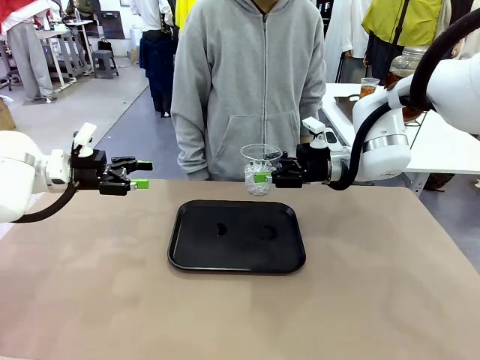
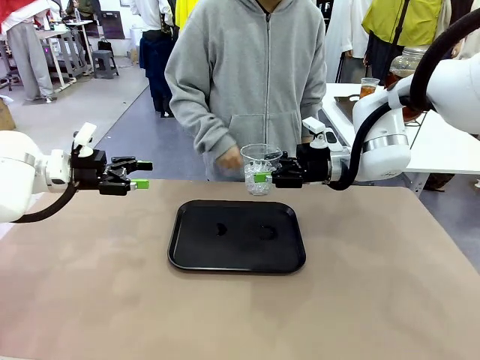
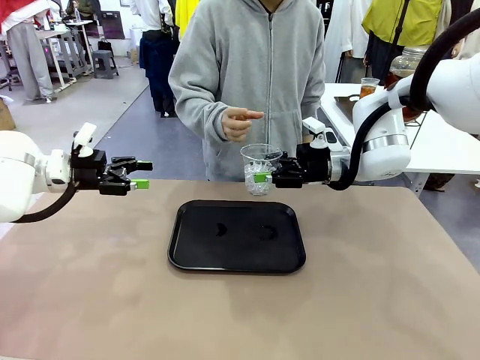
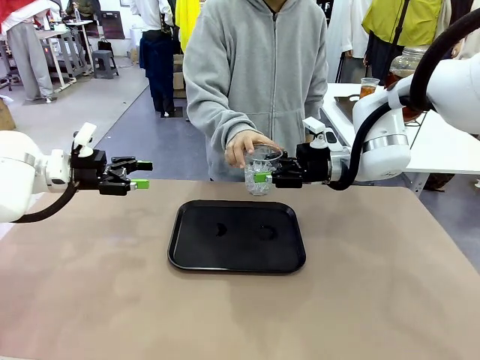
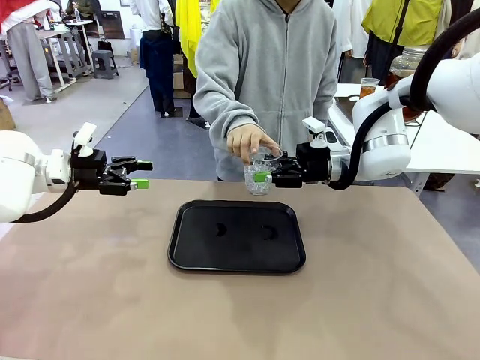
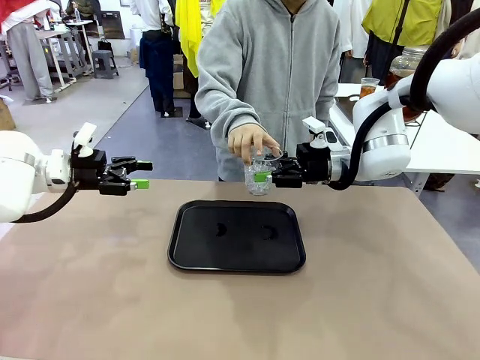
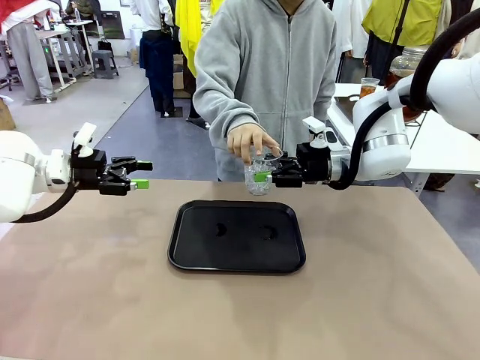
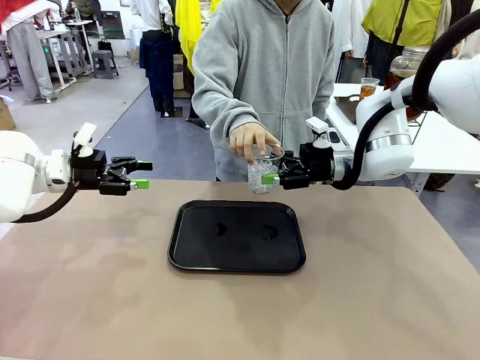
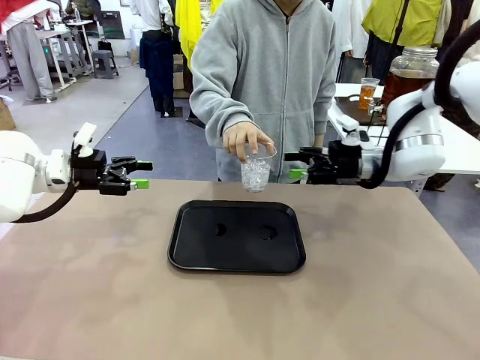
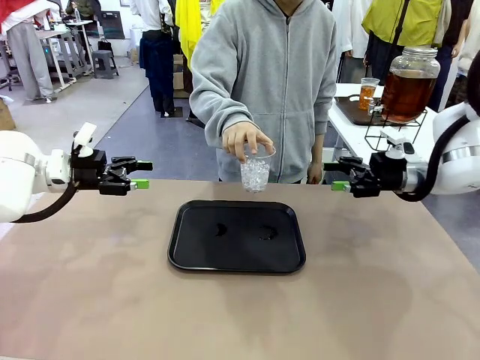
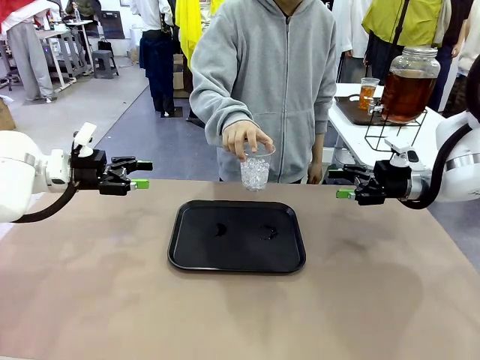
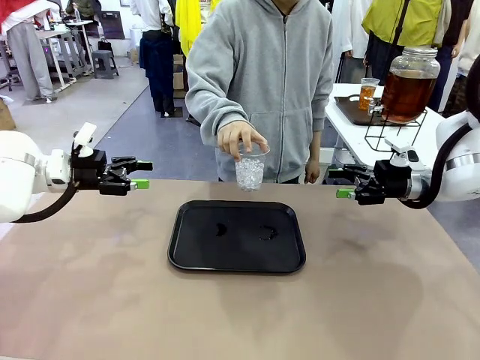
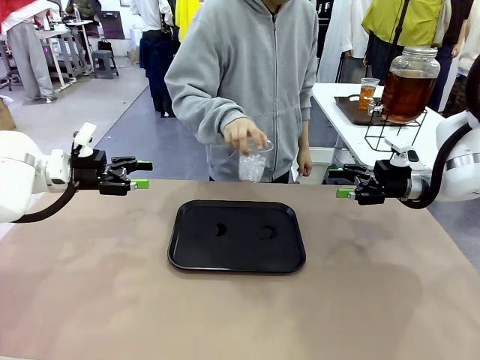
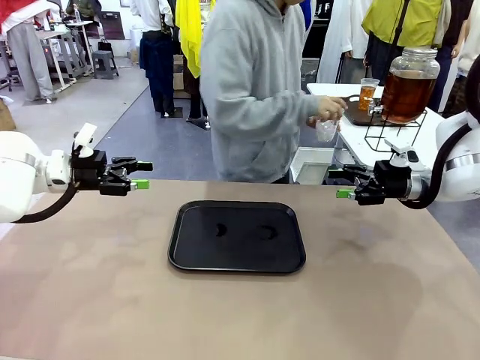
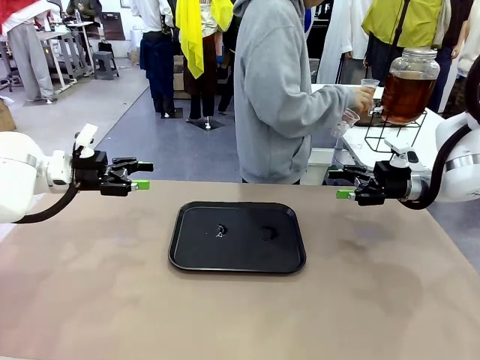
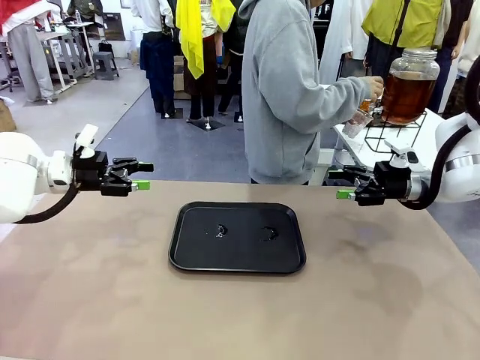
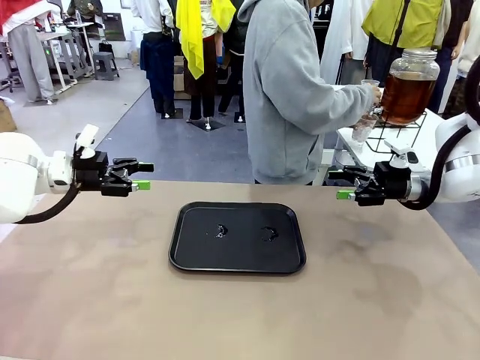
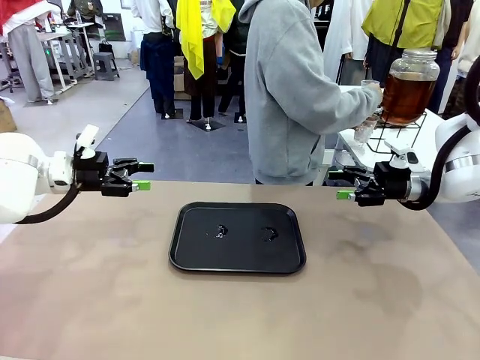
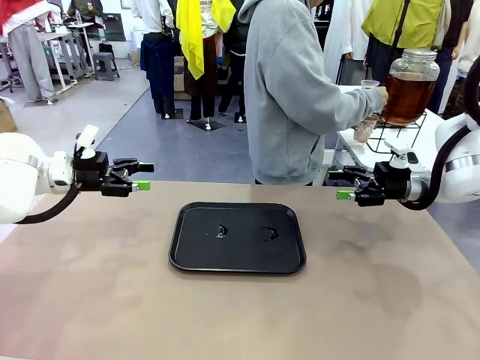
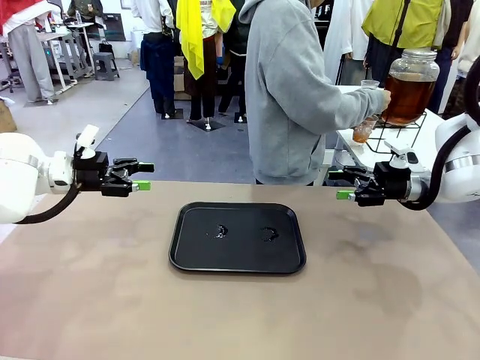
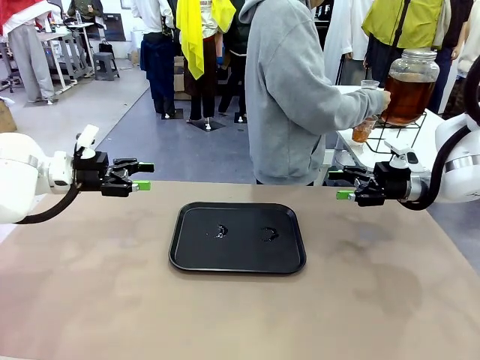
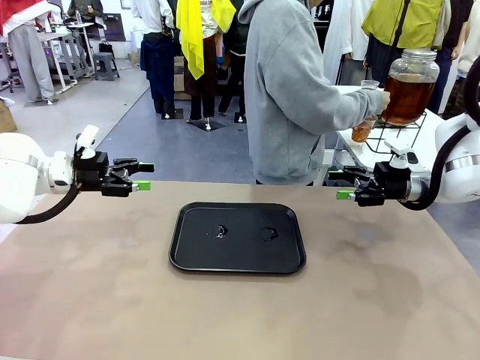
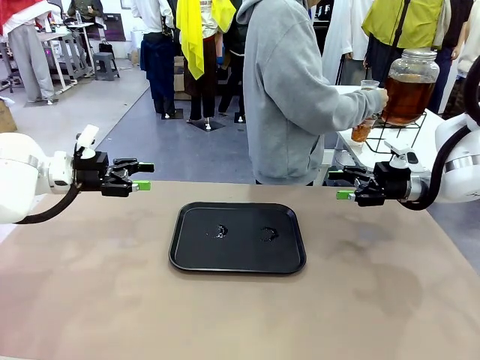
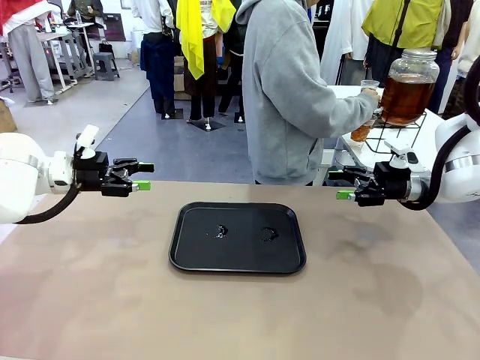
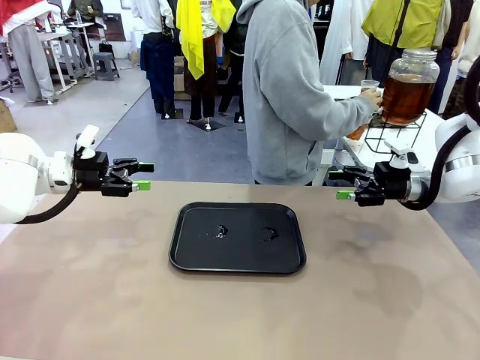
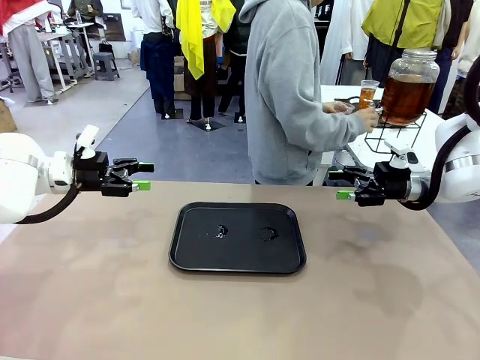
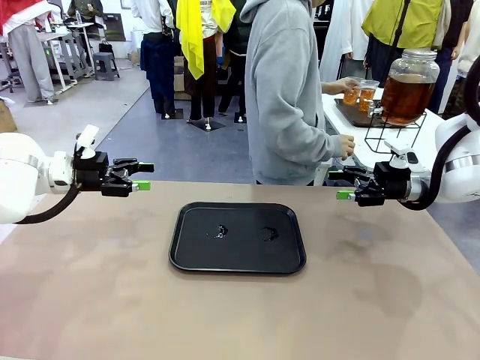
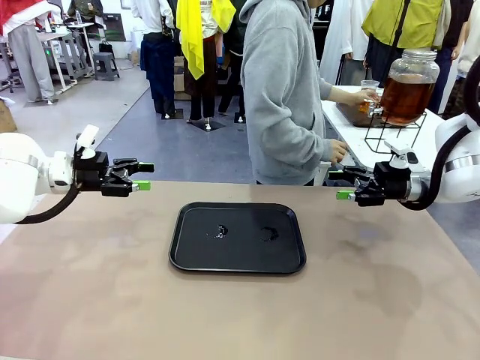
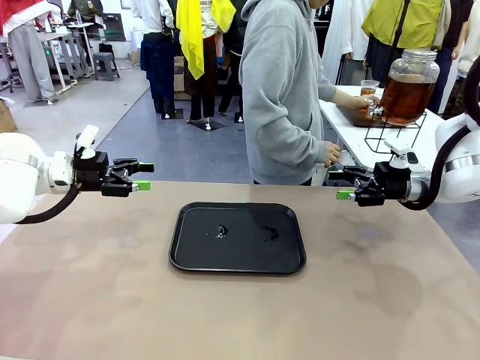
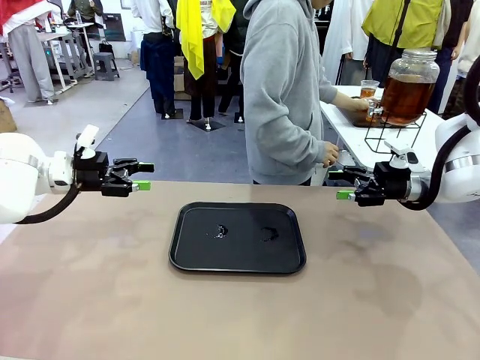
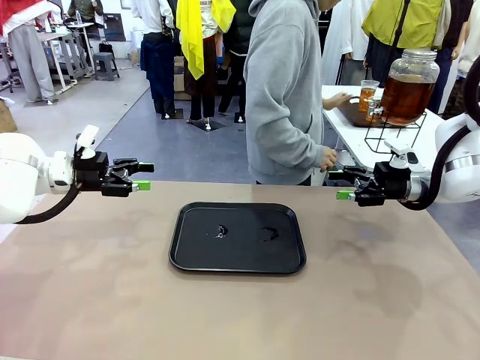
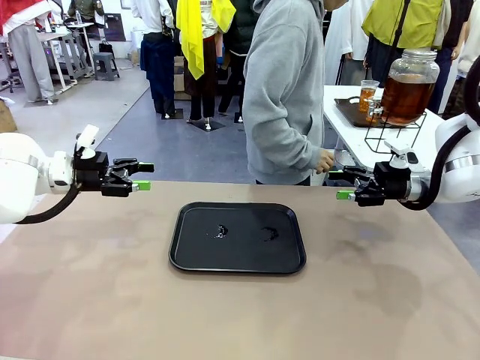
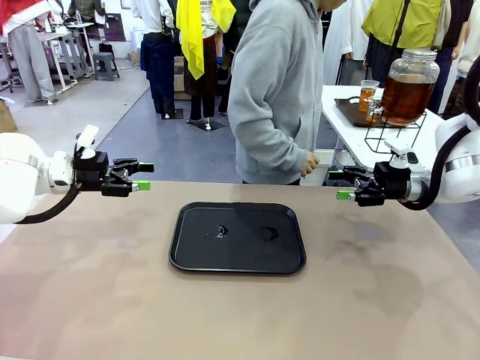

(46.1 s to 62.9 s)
Task: Pour the drink into the iced cup.
Robot: Open the gripper to release the iced cup you were holding.
Person: Move the picked-up cup under the dispenser faucet, pour the drink, and place it on the tray on the human table.
